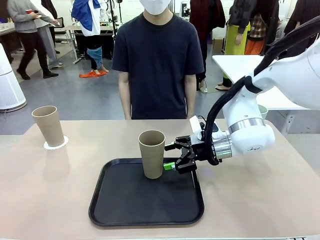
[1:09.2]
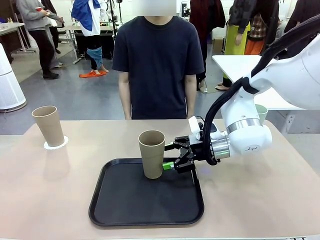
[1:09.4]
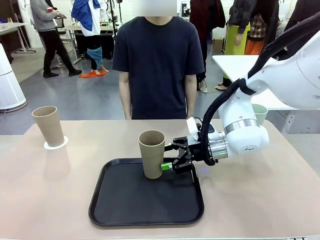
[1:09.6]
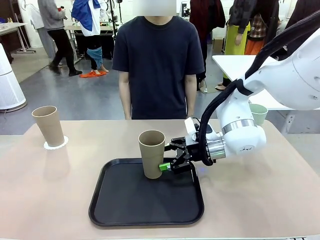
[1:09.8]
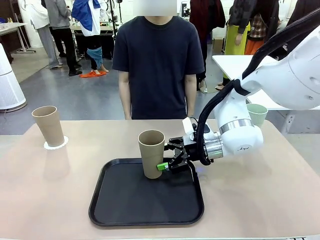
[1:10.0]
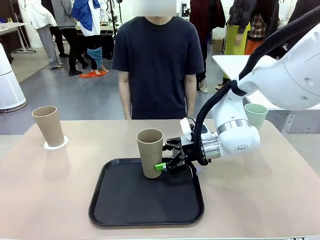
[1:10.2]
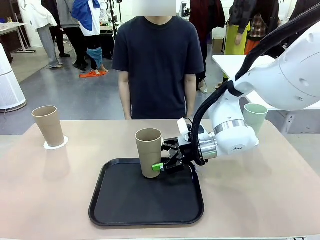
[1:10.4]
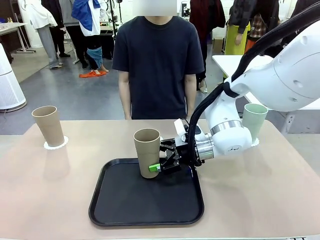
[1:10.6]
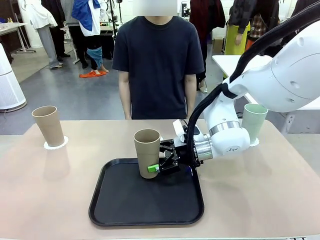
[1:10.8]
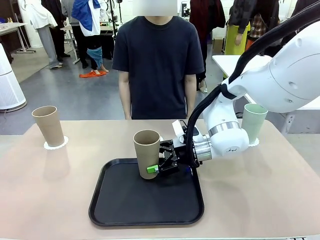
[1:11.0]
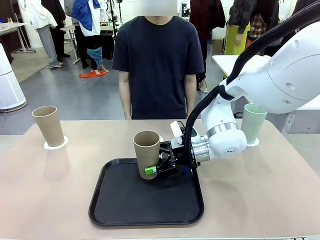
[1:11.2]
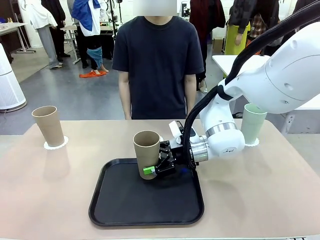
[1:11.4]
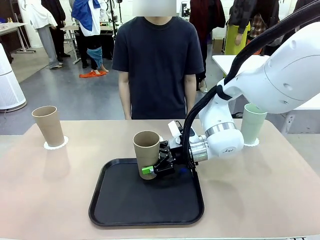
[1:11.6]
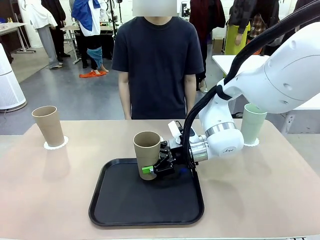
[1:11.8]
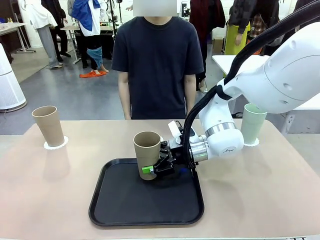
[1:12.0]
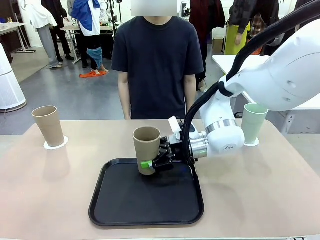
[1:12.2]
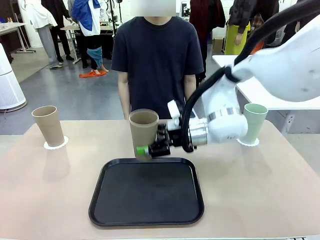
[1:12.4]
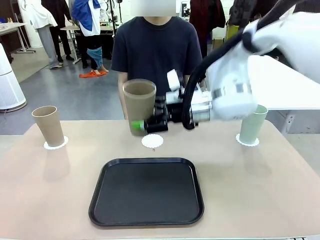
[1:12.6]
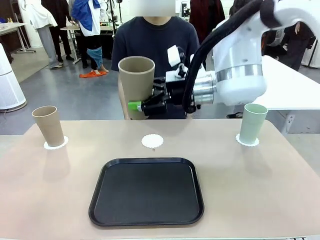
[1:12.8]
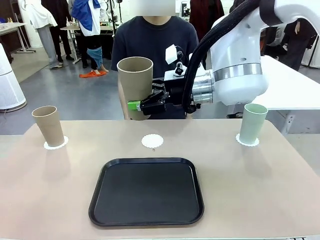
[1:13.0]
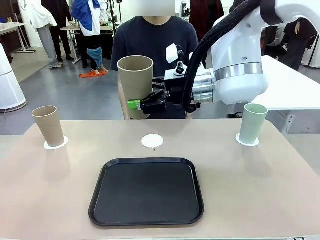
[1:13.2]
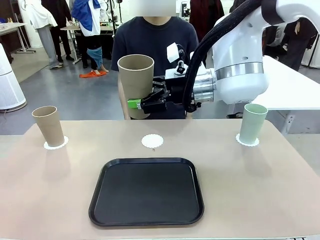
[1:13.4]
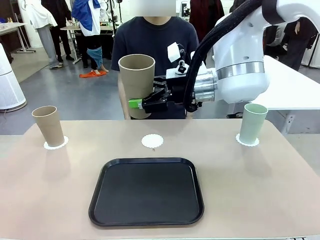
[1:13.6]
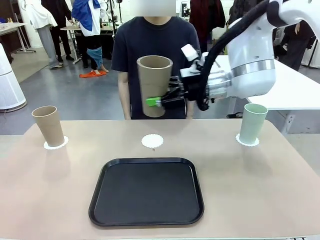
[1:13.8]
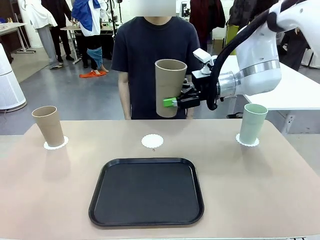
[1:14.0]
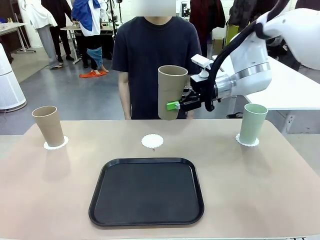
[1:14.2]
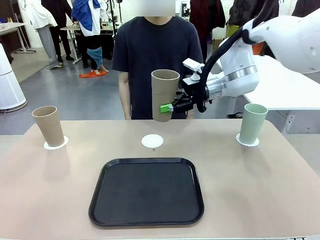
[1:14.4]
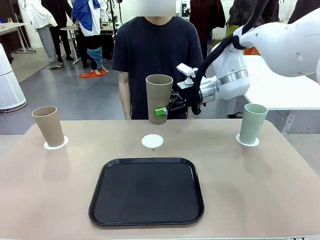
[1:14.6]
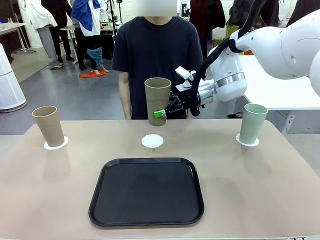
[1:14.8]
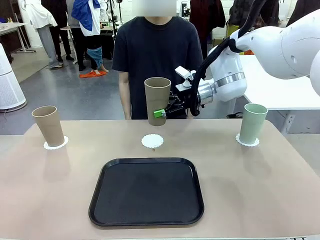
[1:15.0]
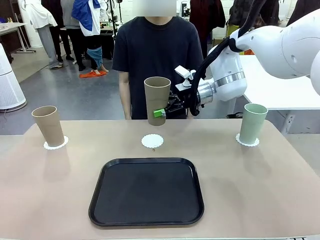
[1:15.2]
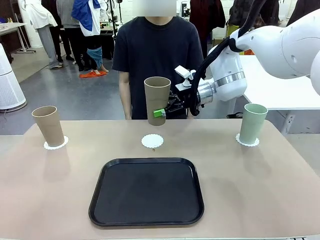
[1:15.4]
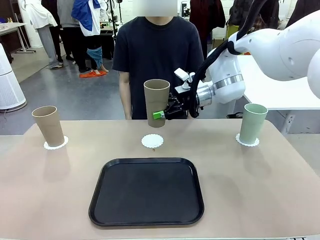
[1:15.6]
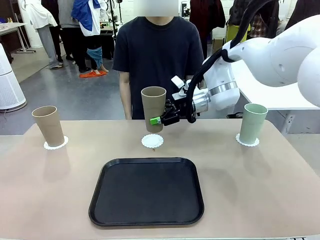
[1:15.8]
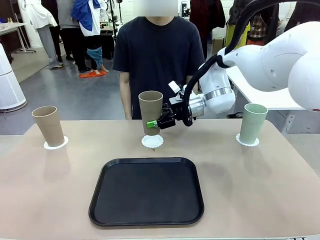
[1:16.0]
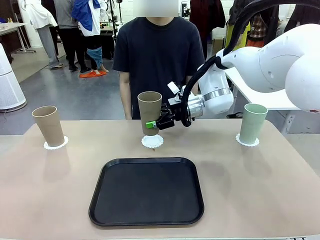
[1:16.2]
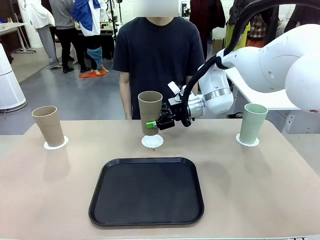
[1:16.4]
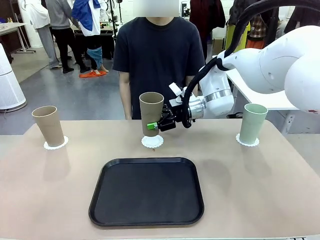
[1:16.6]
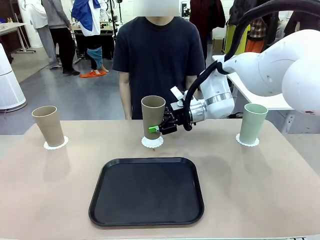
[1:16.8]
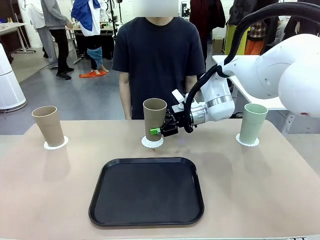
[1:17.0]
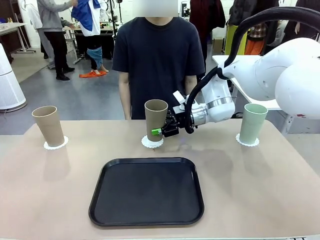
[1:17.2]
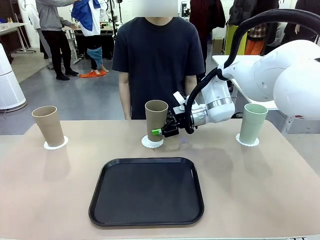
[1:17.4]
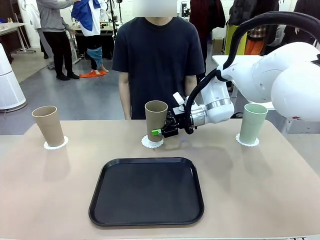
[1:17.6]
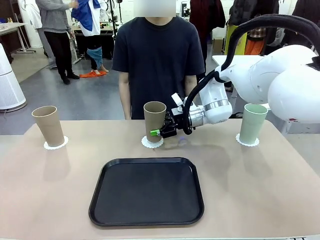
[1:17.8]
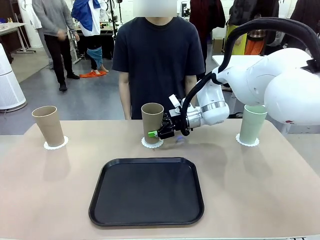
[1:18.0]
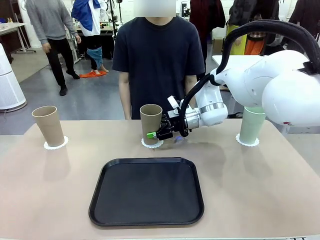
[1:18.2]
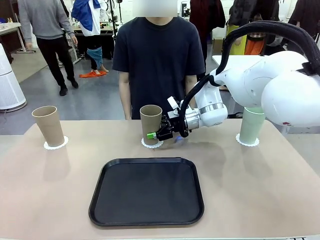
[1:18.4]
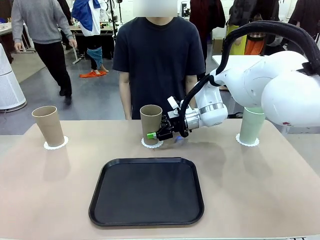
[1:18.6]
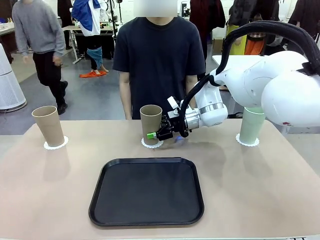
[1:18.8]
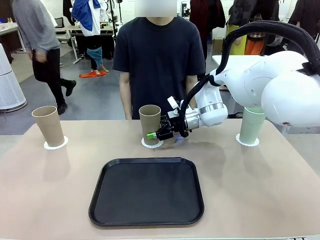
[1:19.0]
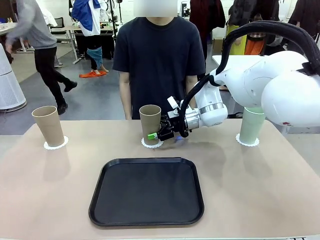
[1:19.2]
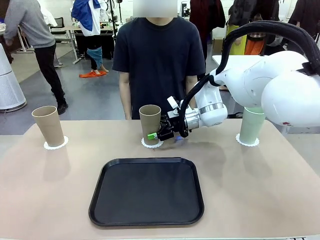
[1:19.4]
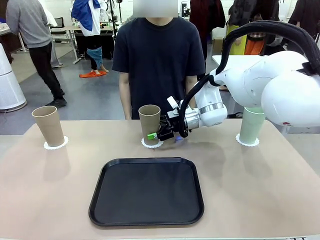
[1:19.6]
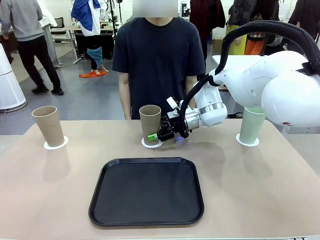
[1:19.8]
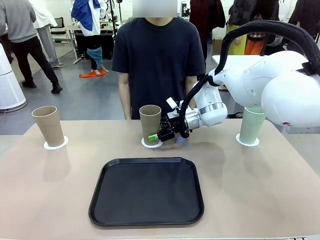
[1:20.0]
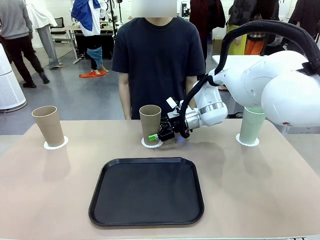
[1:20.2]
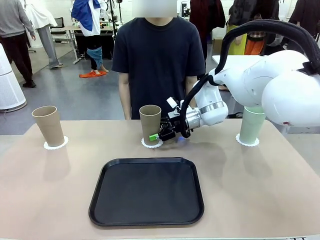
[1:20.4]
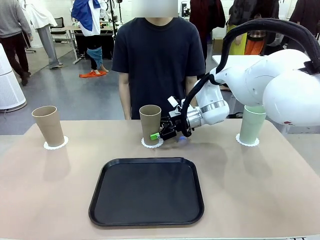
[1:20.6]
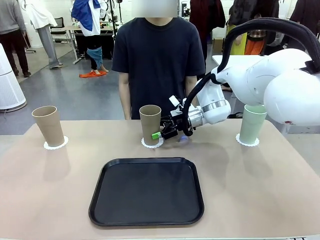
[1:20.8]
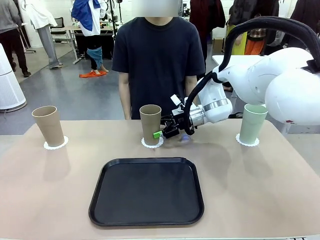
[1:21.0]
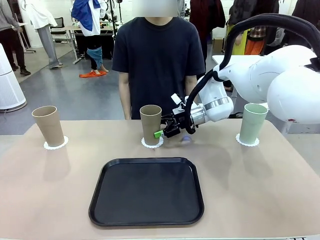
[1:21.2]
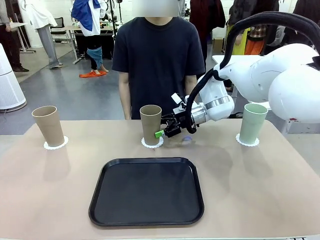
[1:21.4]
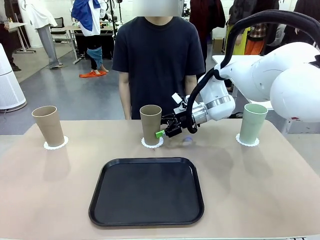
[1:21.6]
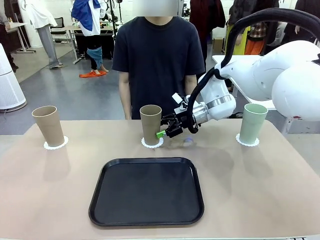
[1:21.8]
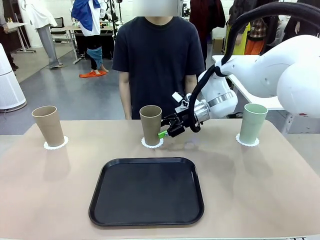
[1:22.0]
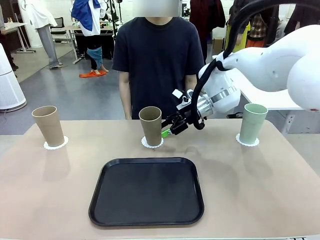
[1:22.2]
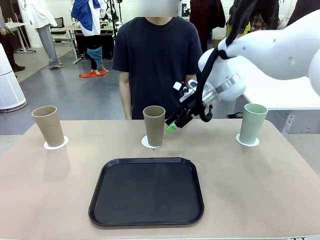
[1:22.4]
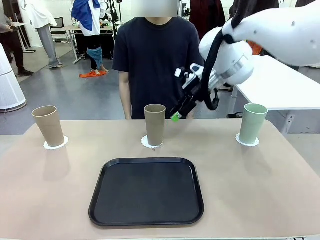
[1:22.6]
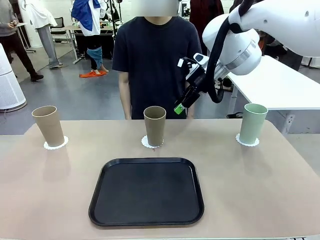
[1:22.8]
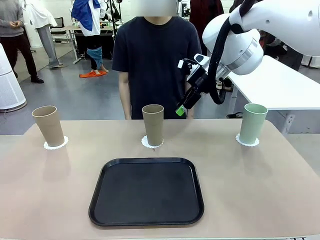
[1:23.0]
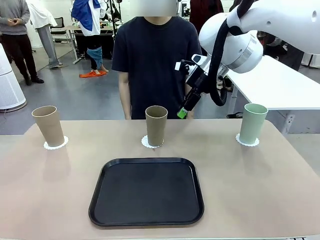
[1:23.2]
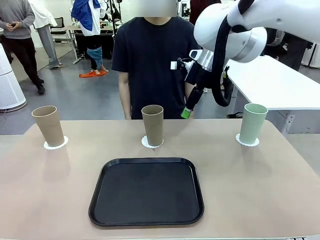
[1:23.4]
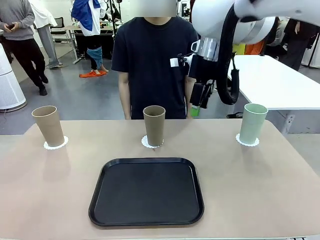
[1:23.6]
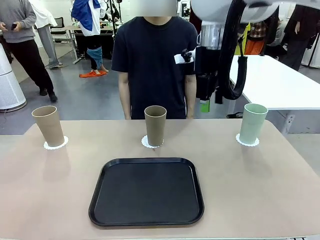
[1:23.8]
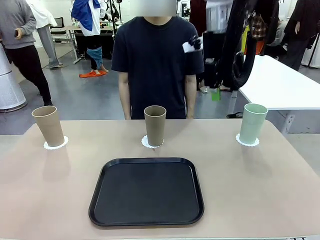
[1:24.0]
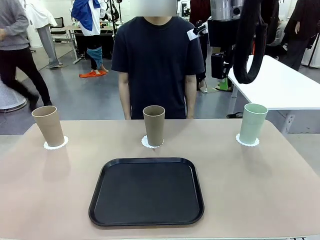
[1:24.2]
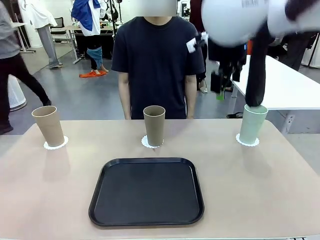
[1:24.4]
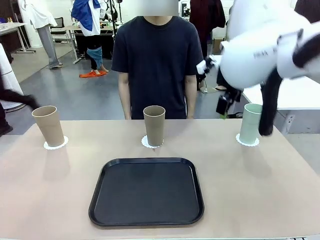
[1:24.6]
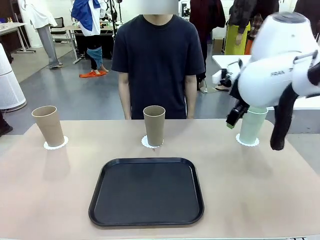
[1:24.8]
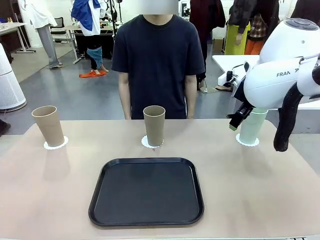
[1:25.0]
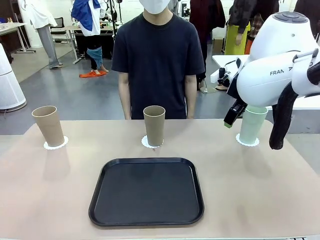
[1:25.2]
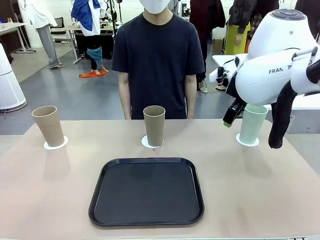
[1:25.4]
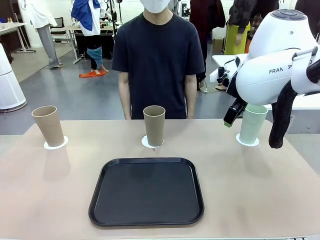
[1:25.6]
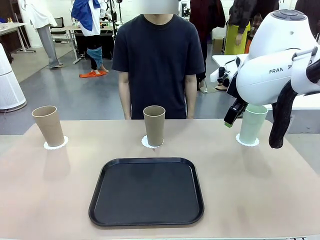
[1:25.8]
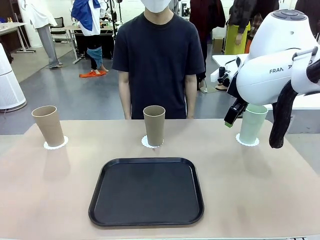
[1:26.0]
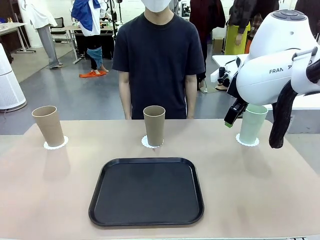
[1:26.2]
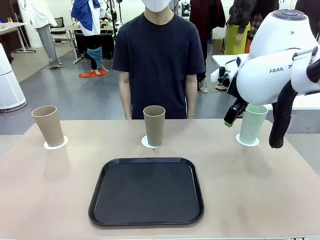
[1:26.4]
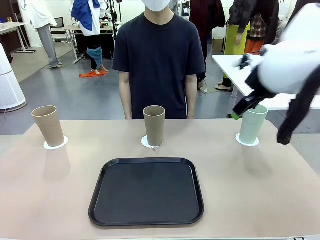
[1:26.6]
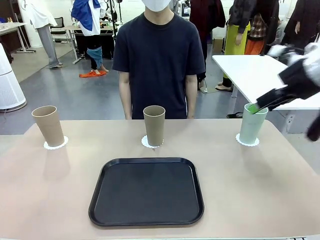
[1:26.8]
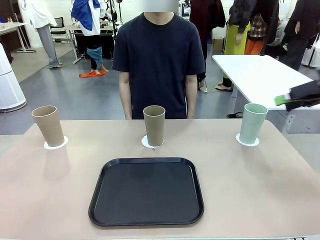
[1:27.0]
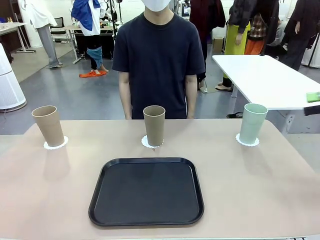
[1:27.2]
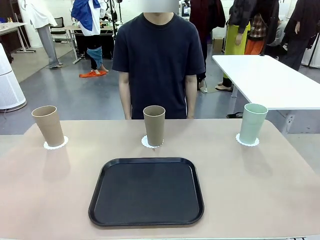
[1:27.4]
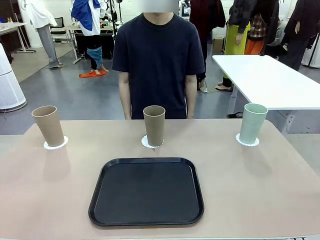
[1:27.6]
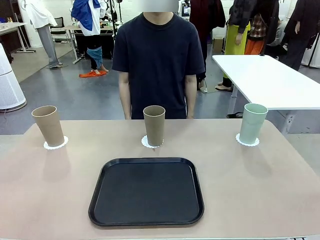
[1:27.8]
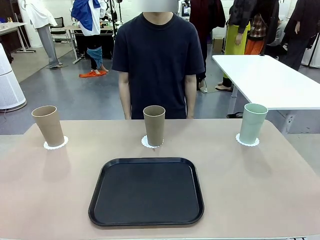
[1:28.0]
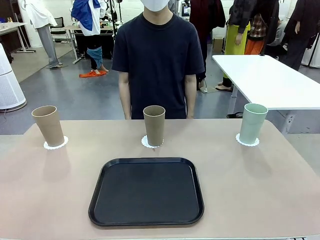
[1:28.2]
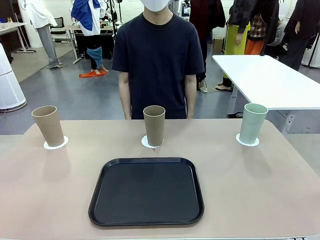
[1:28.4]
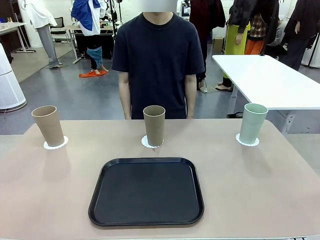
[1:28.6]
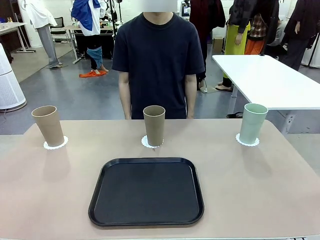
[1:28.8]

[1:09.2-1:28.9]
Task: Place coasters on the table and set cups on them.
Robot: Take one Reusable plastic cup from the Flat Tray and place it on a coaster set by the human.
